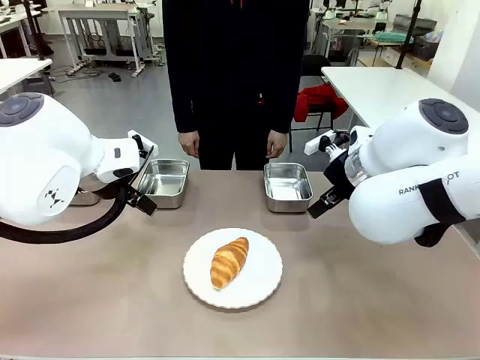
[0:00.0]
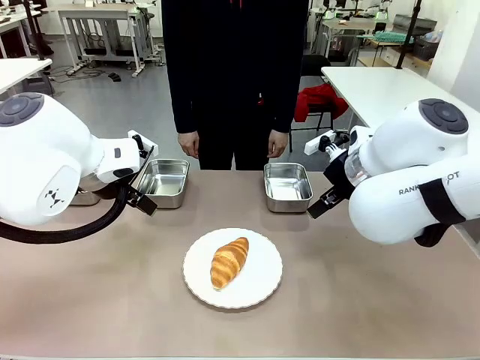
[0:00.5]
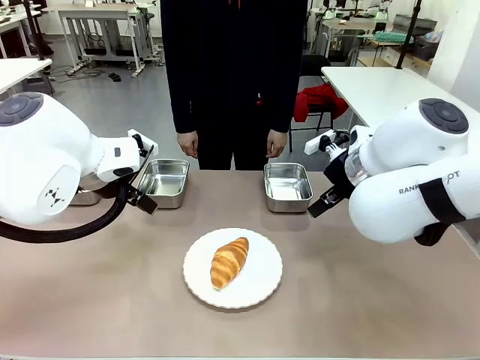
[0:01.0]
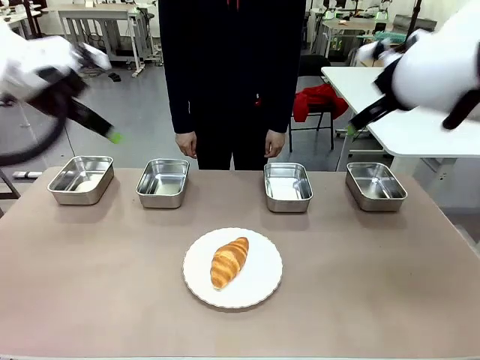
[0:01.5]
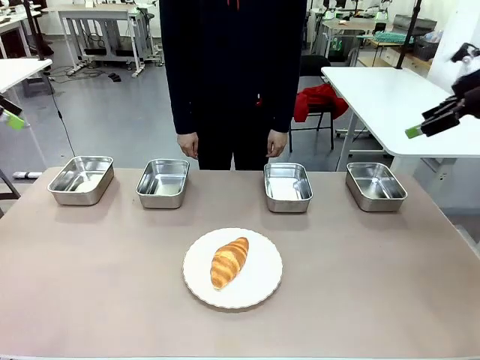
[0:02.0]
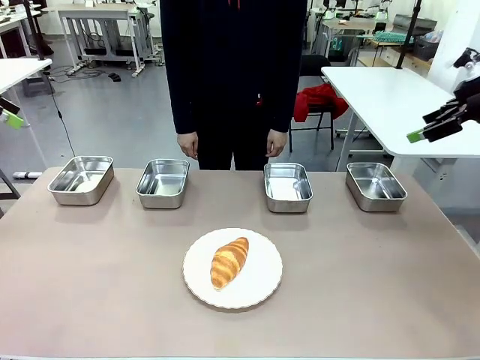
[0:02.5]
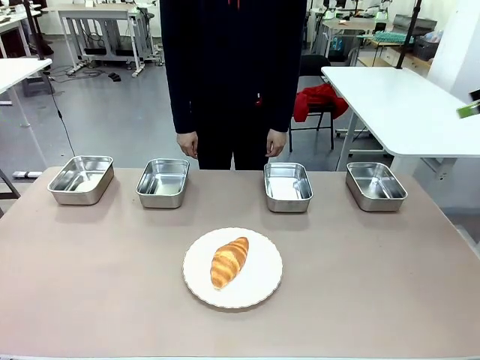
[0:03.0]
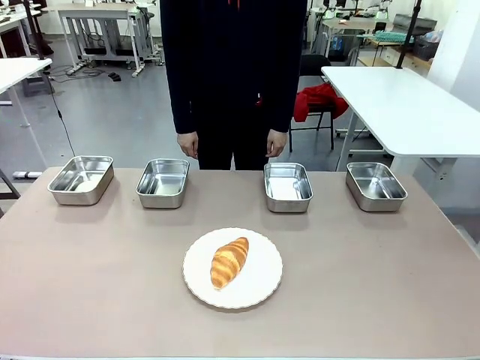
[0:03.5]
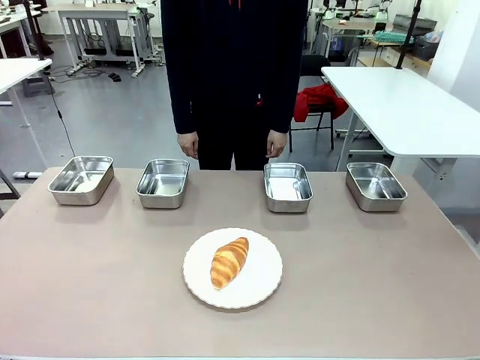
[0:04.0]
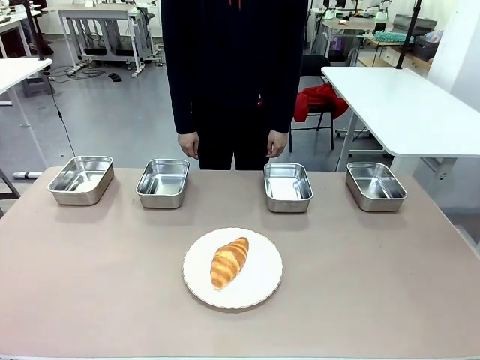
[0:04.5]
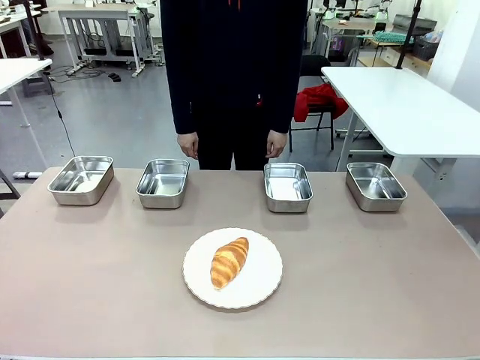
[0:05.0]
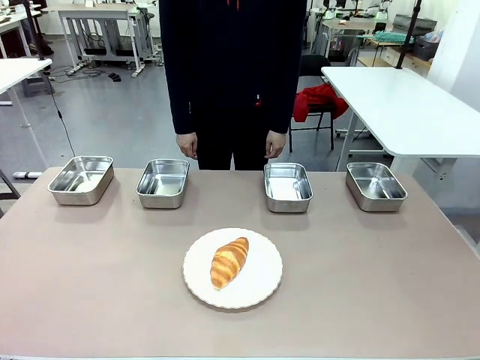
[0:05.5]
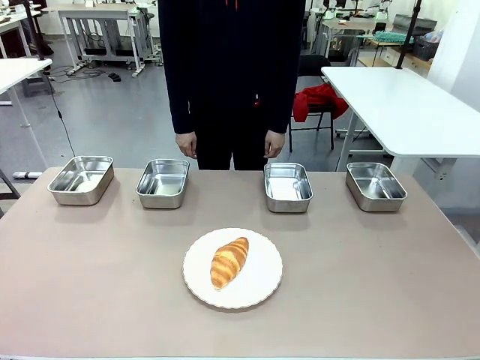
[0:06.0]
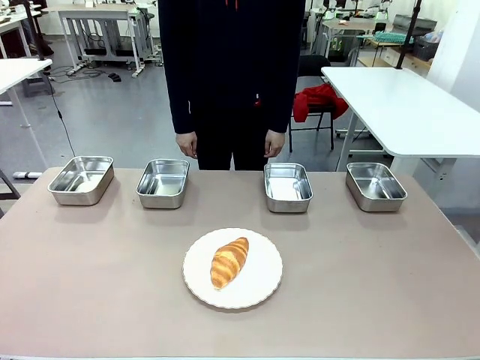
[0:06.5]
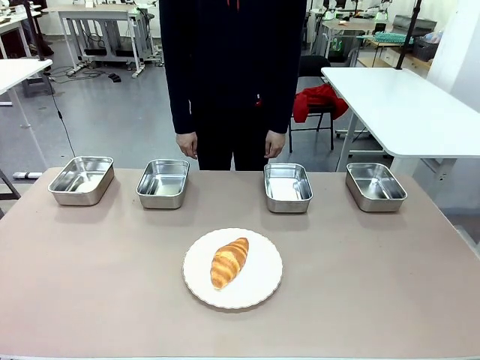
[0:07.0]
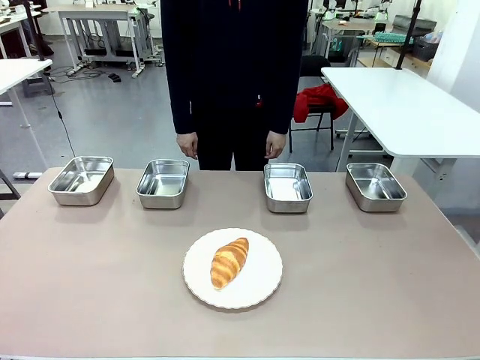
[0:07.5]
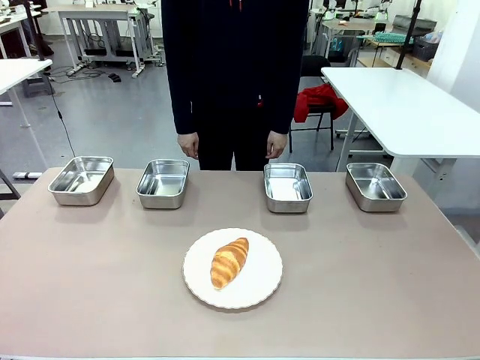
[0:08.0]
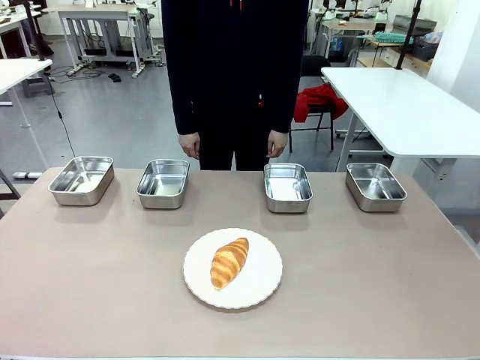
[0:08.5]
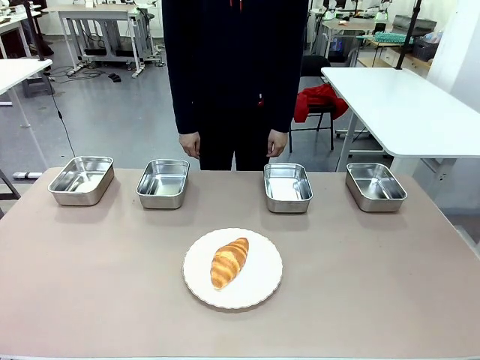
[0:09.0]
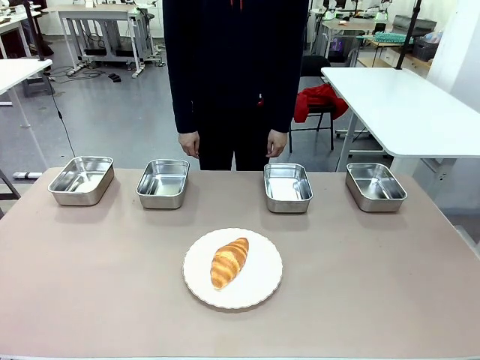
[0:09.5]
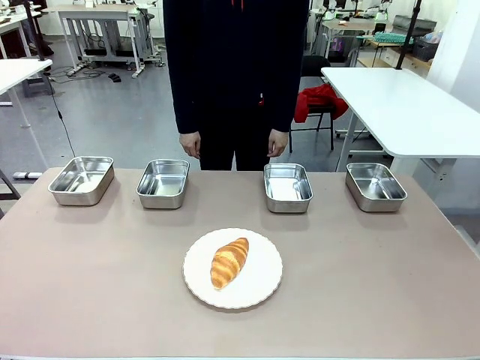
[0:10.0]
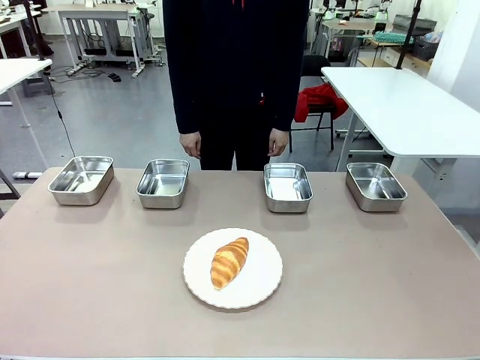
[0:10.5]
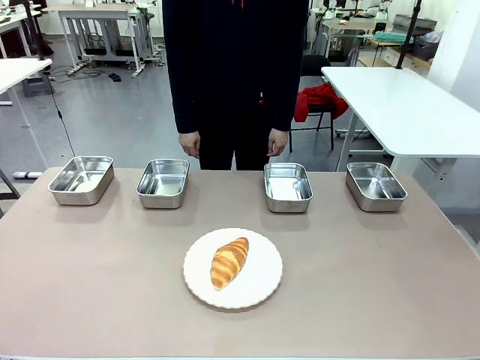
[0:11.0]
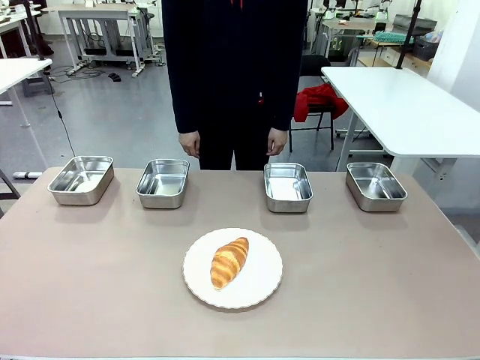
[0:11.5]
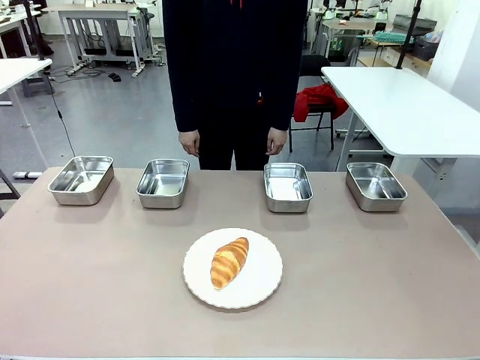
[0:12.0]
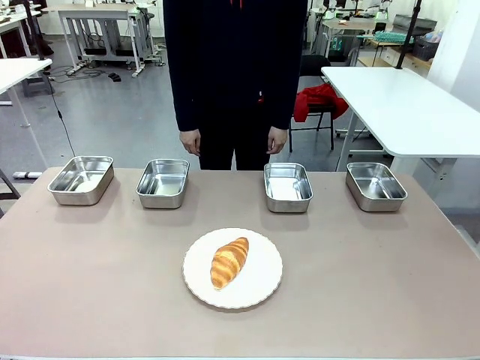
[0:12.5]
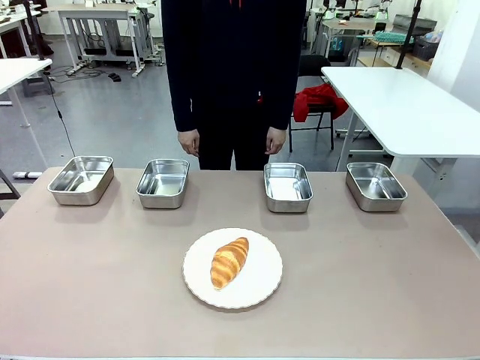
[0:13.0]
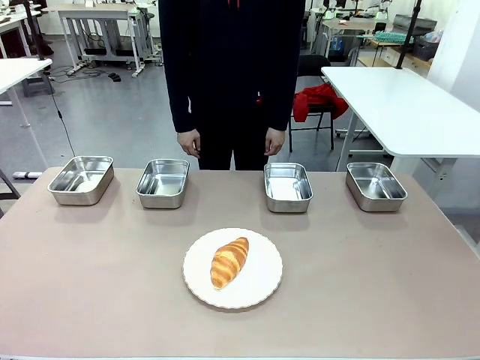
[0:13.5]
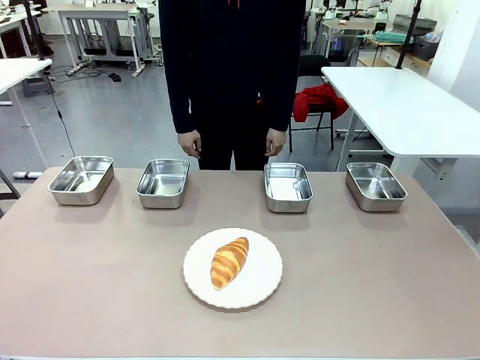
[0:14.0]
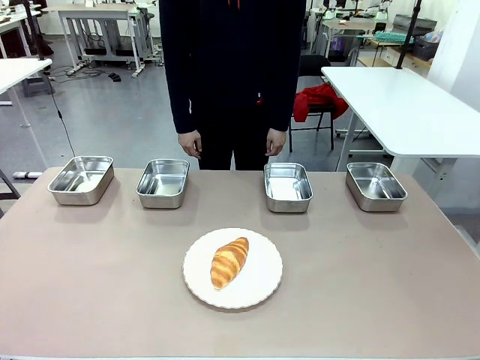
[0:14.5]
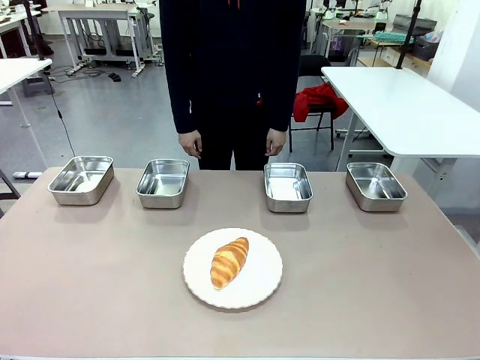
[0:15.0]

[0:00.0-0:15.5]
Task: Place the bread in the container.
Robot: Place the Butter Roll into the Airtight Container indicated by the human.

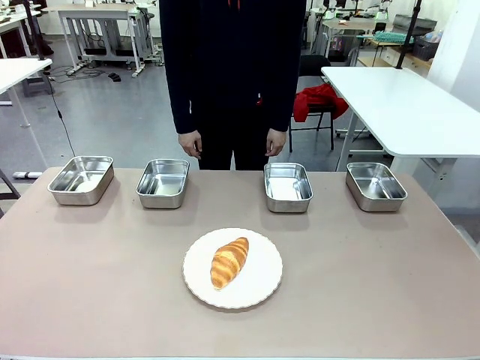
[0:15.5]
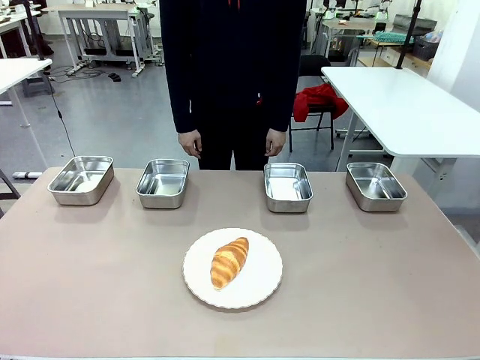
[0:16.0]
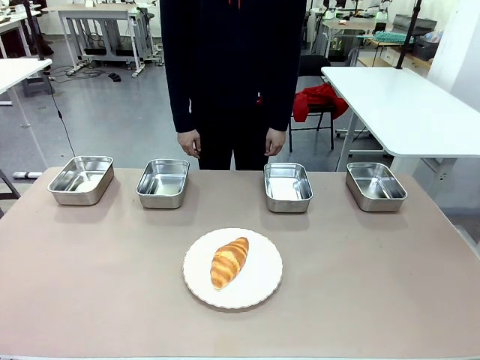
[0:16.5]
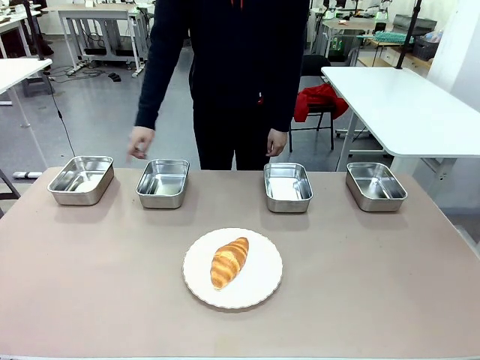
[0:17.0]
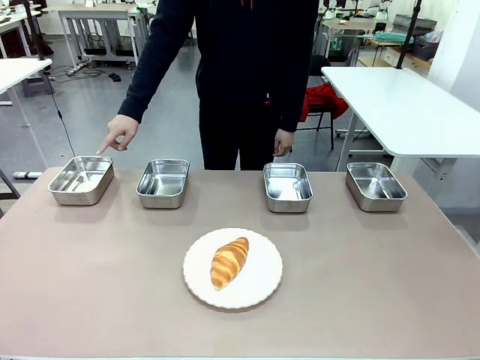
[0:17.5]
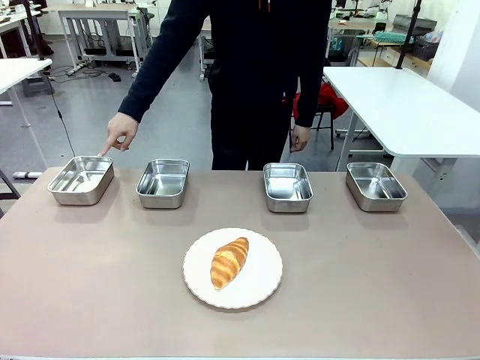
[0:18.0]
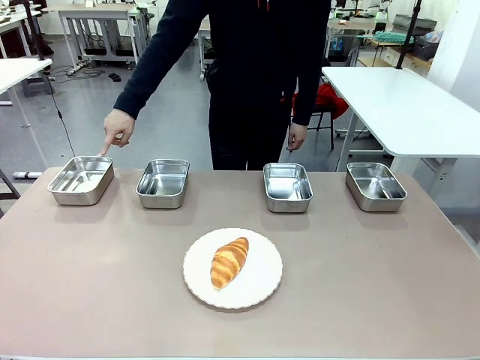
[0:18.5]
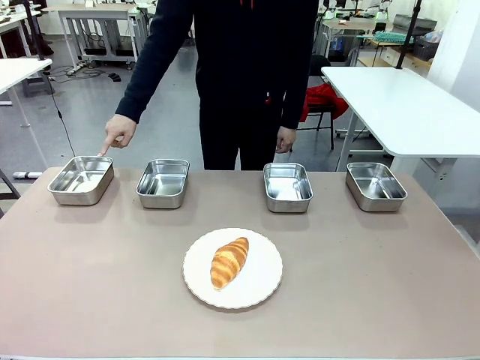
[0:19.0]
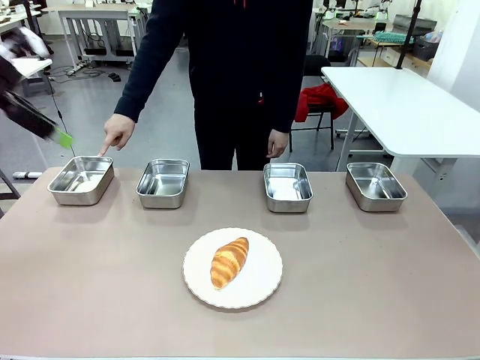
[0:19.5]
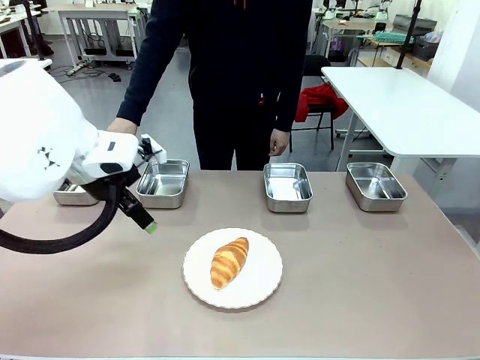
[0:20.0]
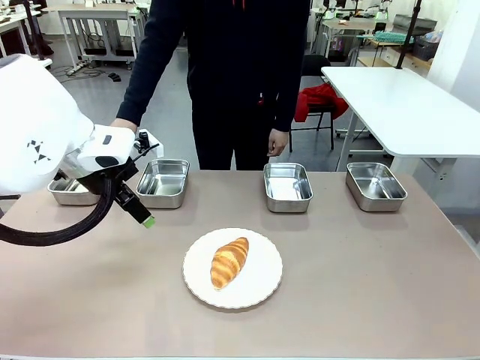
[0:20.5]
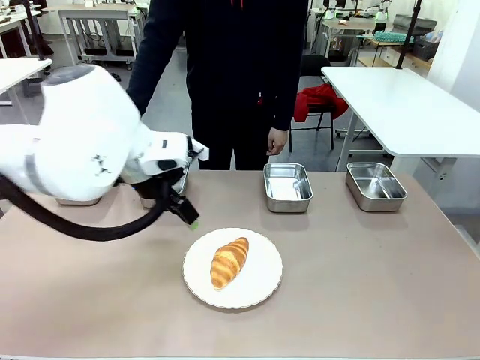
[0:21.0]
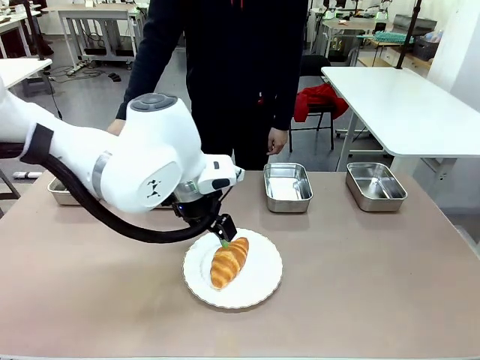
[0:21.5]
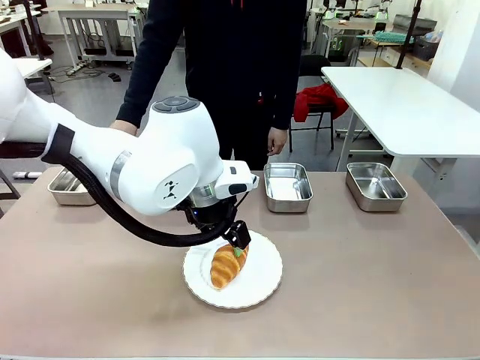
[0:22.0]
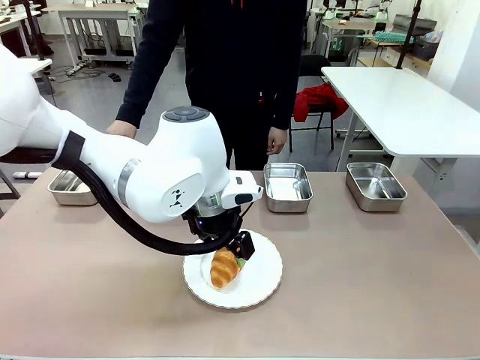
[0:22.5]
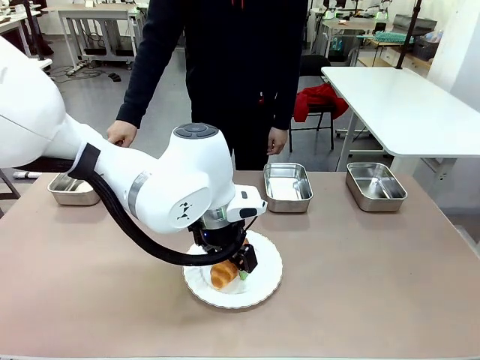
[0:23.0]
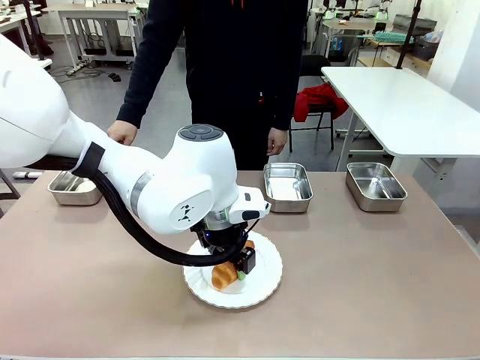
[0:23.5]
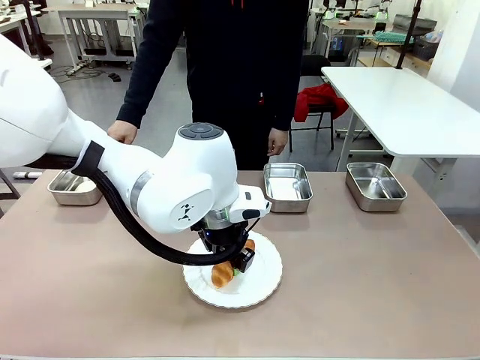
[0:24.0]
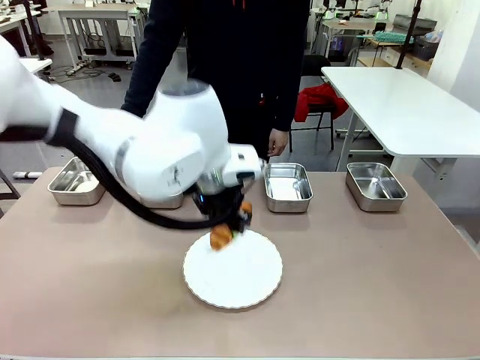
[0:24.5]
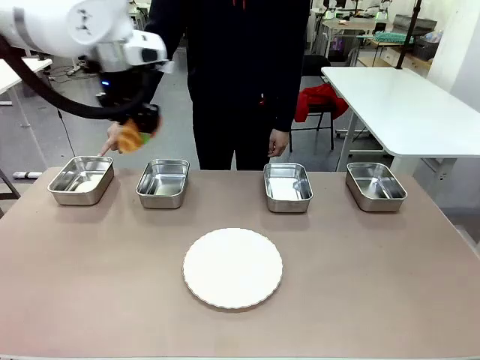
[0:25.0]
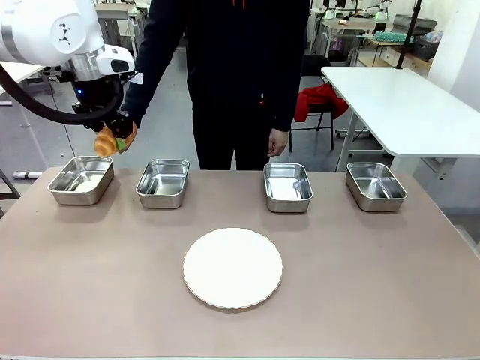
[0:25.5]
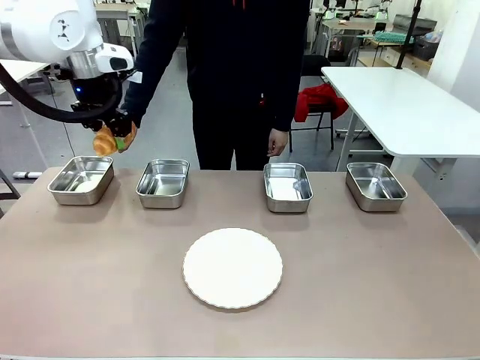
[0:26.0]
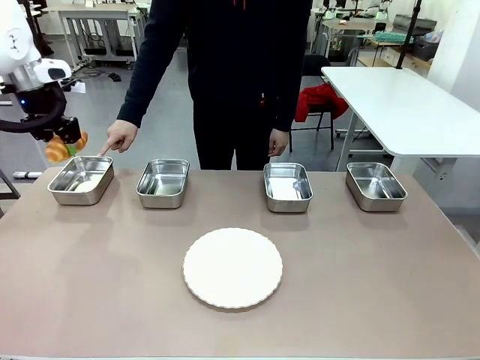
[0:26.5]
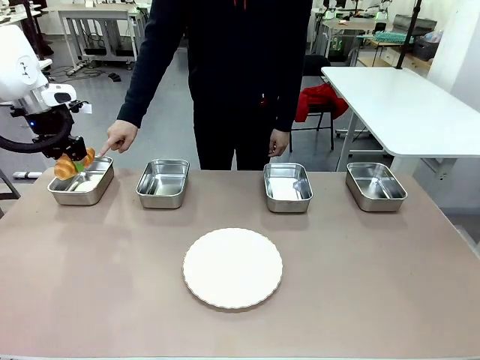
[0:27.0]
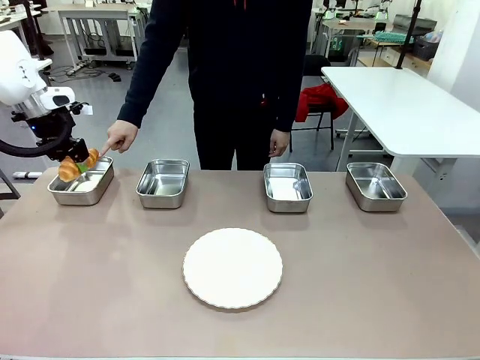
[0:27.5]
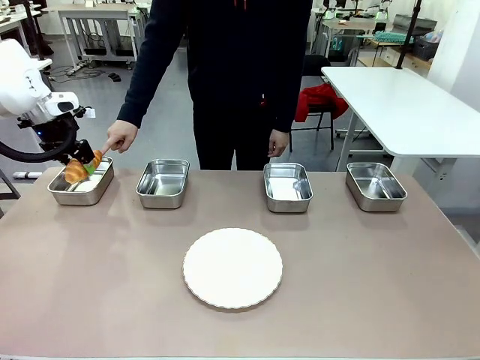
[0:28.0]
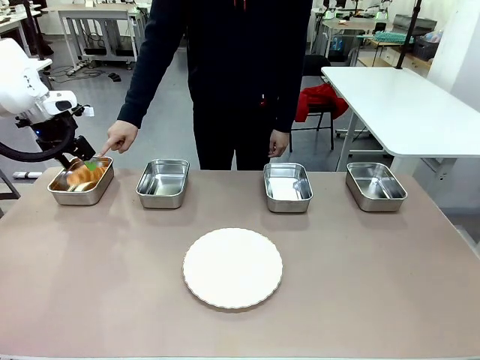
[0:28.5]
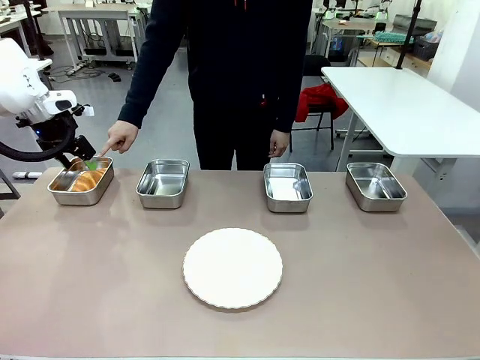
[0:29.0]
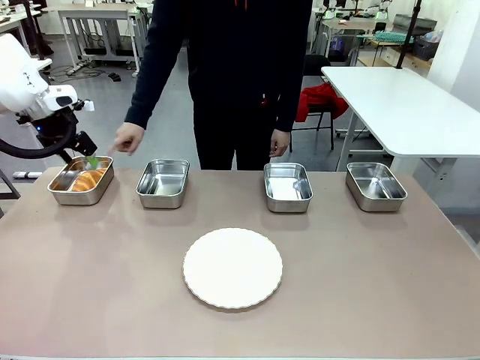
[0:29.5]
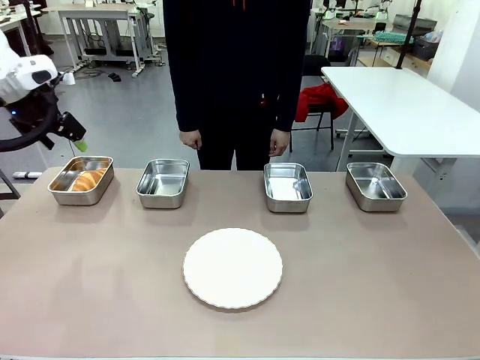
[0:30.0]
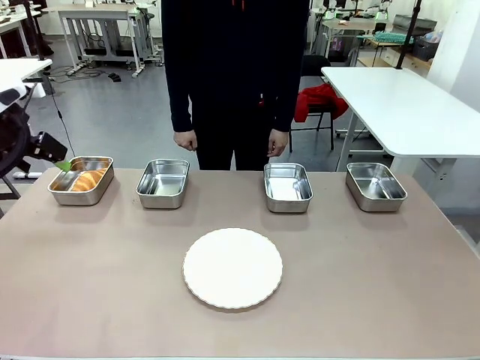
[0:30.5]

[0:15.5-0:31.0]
Robot: Place the Butter Roll into the Airtight Container indicated by the human.
